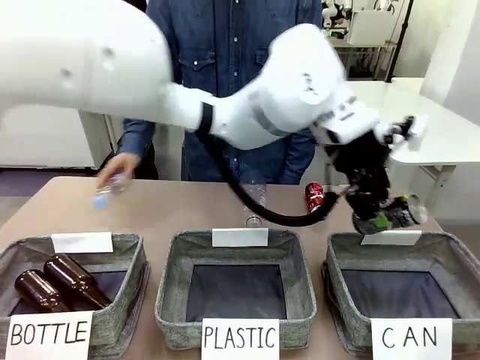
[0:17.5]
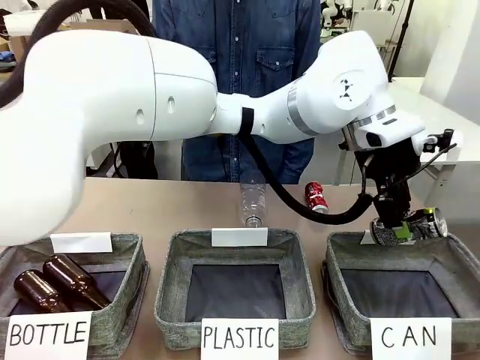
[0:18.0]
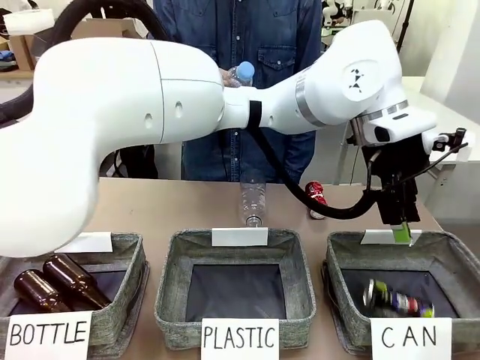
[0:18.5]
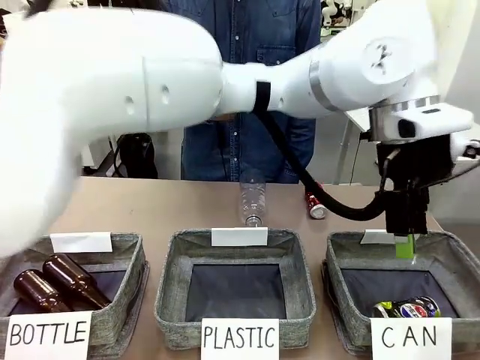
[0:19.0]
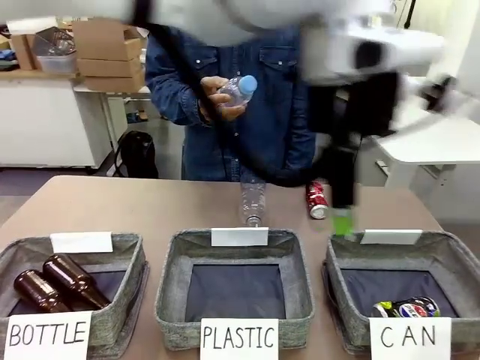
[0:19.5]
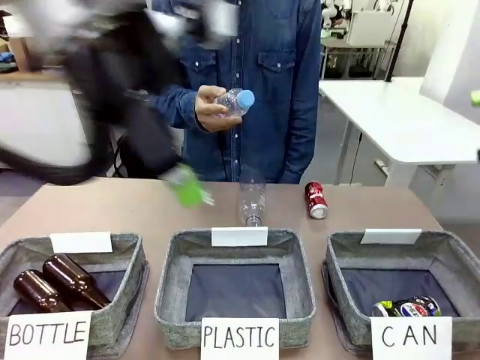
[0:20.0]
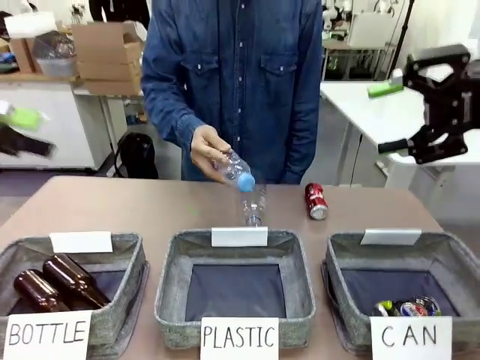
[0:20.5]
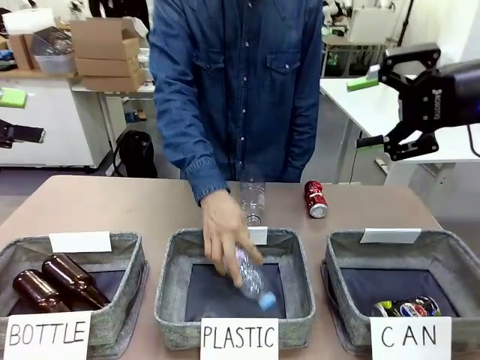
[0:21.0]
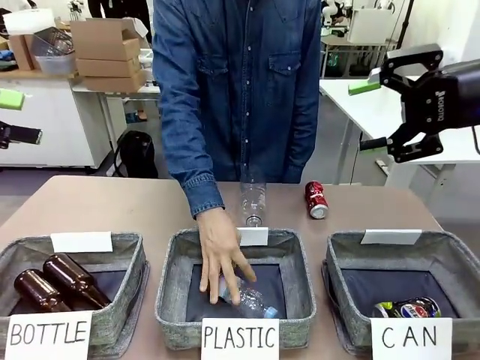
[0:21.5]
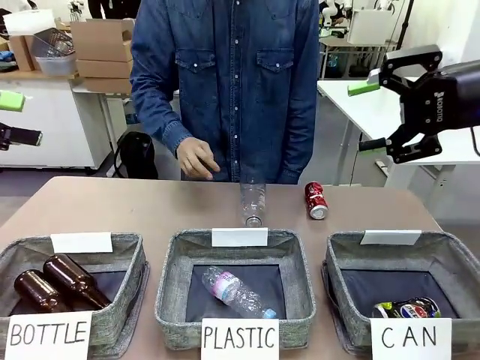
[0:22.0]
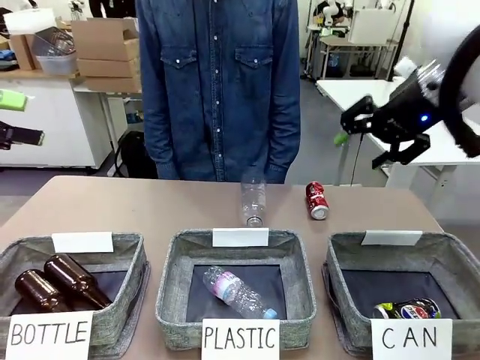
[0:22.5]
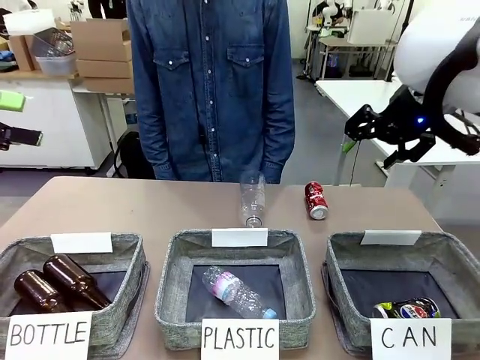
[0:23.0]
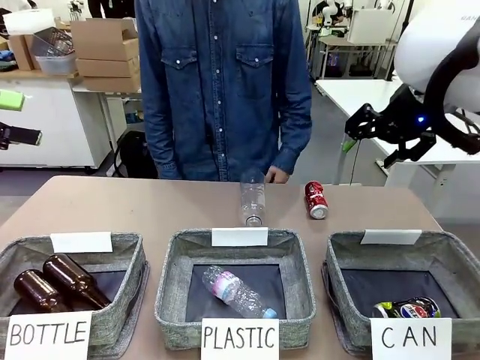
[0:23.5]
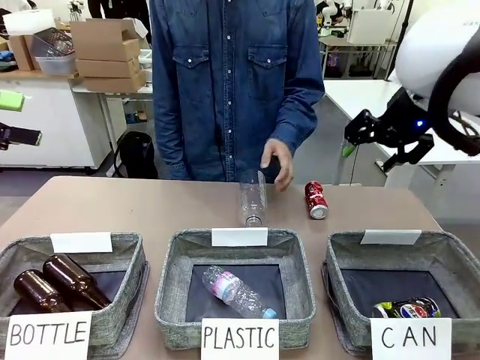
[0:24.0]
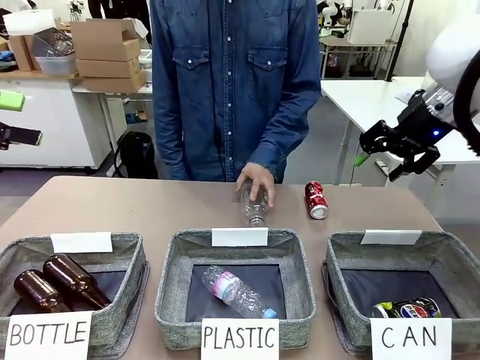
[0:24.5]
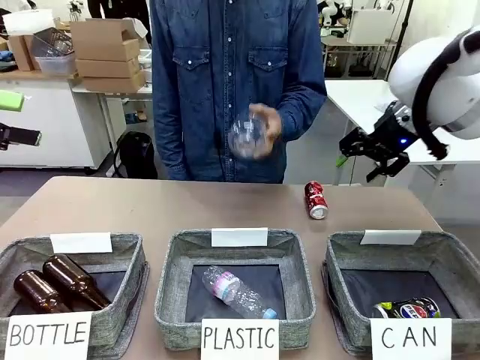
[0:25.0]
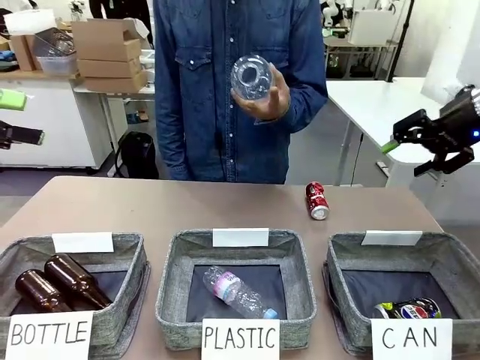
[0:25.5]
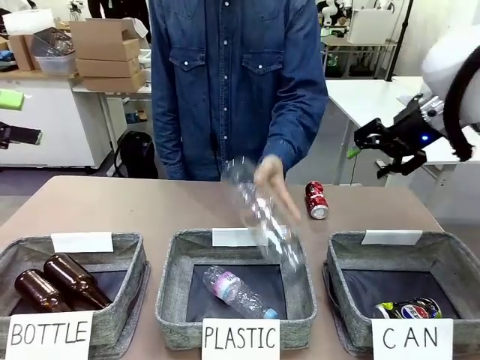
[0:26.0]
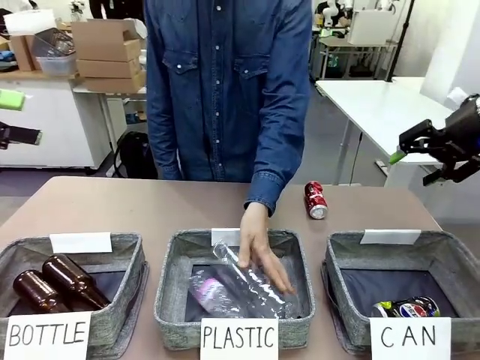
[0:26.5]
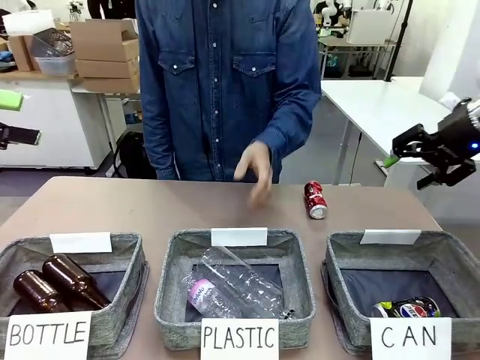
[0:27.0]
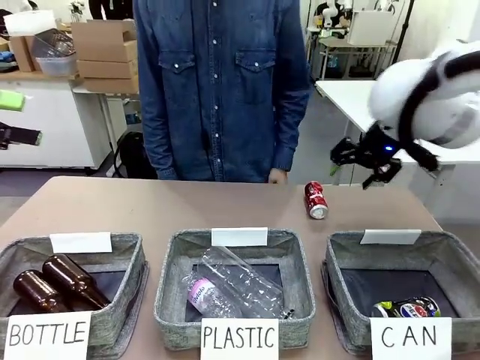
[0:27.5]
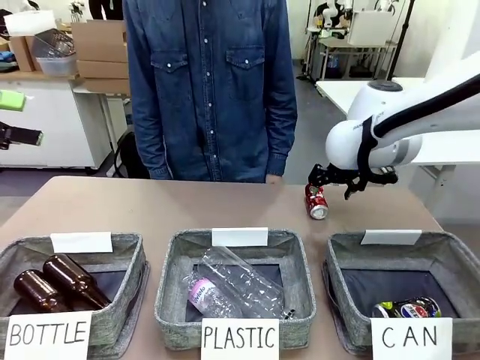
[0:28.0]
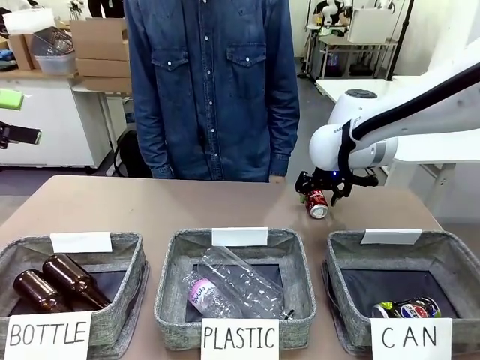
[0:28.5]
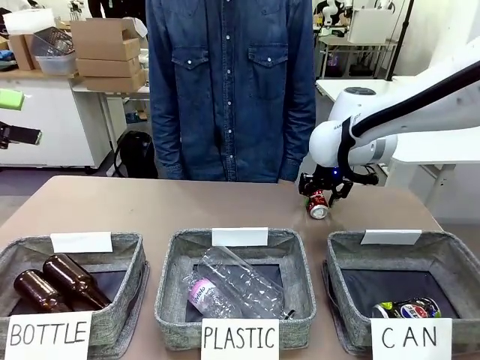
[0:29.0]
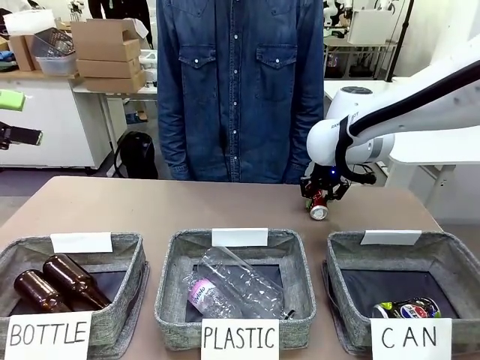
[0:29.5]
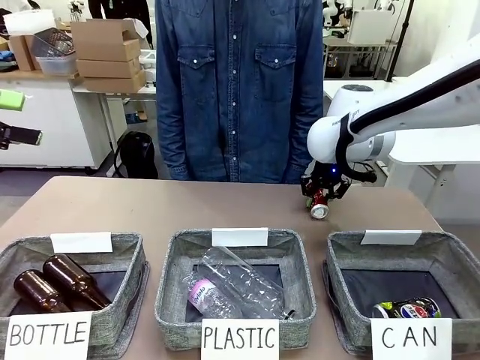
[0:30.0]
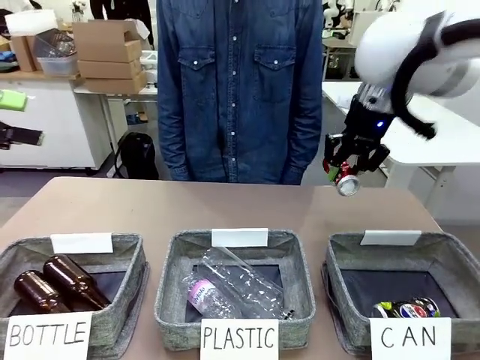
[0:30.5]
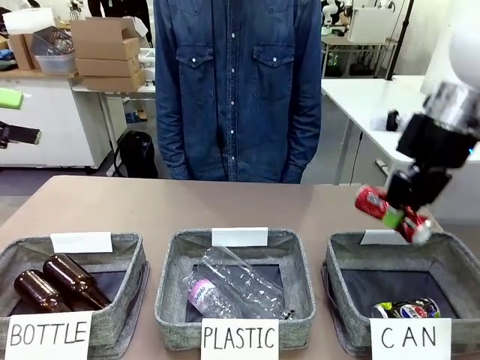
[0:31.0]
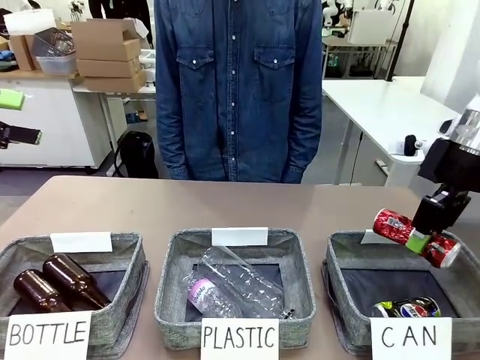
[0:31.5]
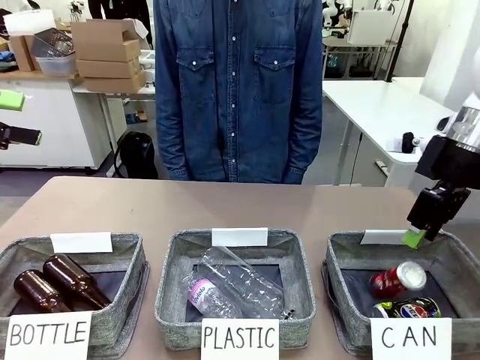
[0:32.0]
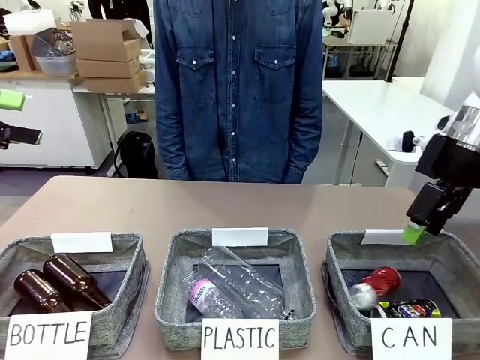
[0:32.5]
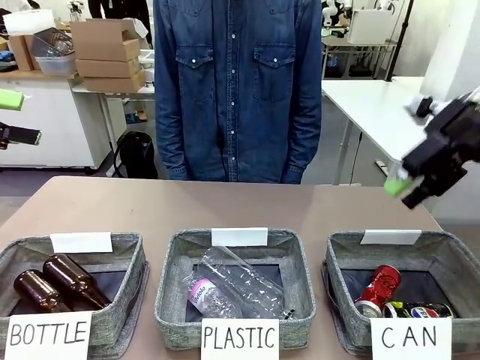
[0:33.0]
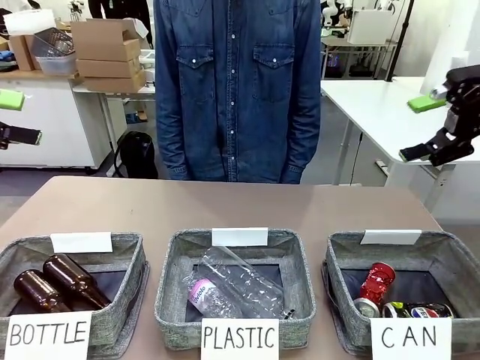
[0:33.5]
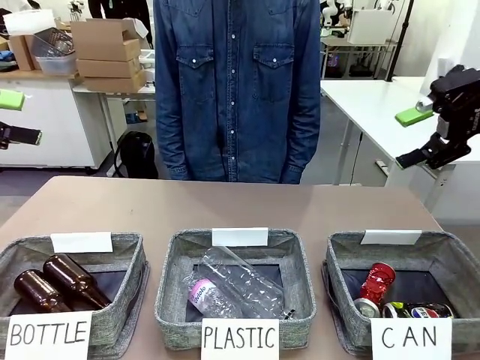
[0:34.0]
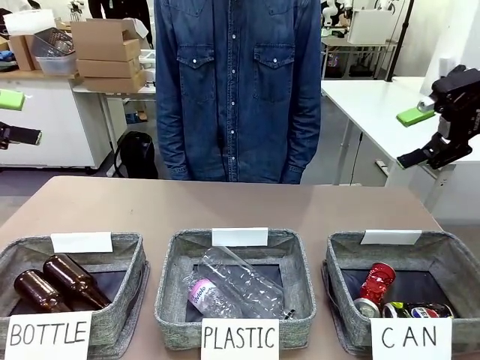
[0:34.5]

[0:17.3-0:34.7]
Task: Sort the can waste into the basket.
Robot: Pick up the can waste from the table and place it in the right Fabric basket.
Person: The human picks up one piece of trash that is not a can and places the trash into the appropriate organizing basket.

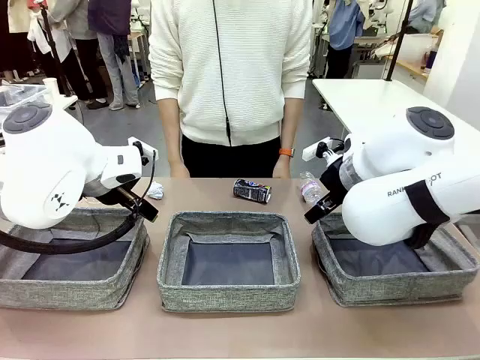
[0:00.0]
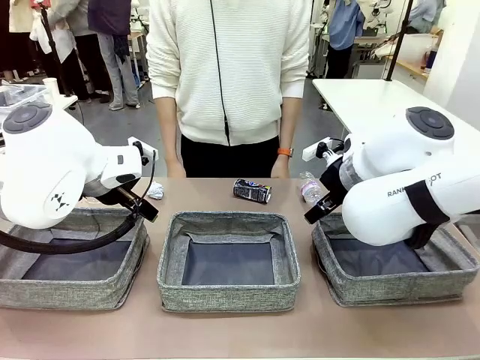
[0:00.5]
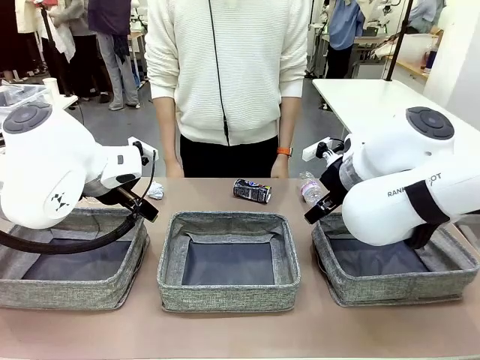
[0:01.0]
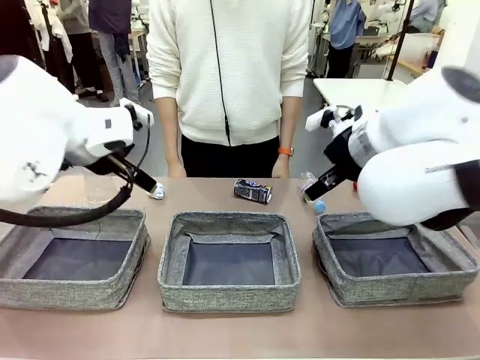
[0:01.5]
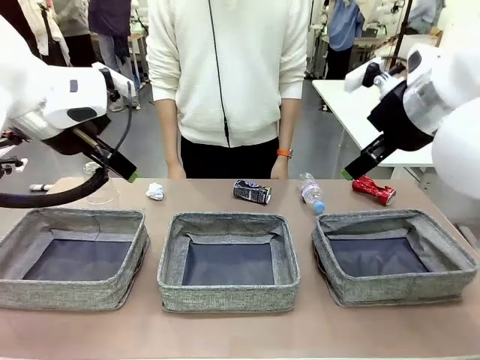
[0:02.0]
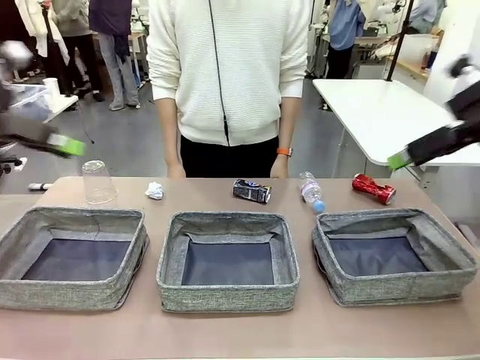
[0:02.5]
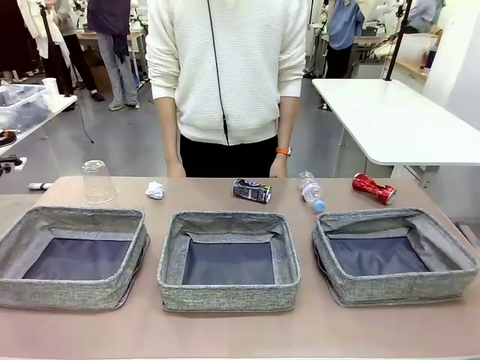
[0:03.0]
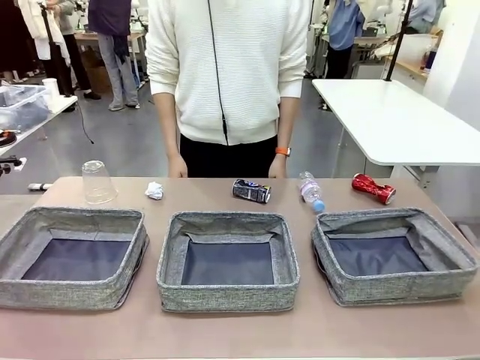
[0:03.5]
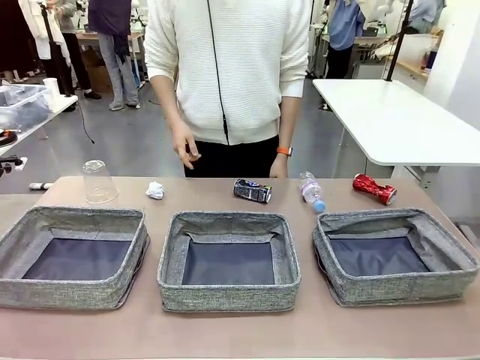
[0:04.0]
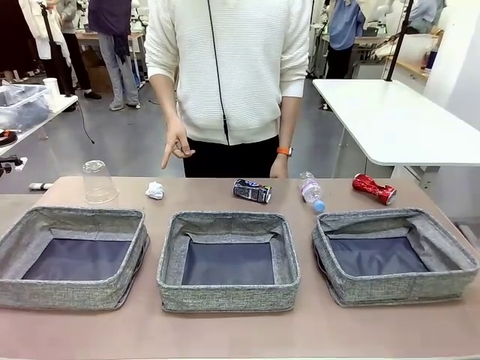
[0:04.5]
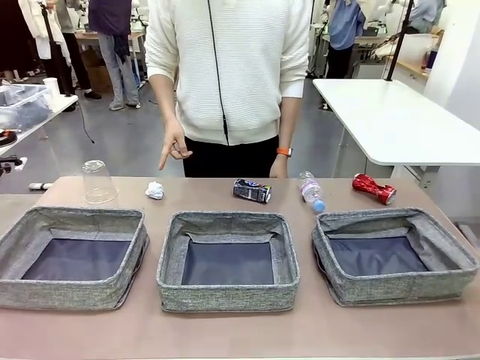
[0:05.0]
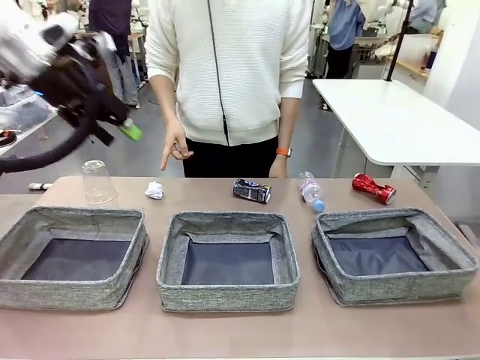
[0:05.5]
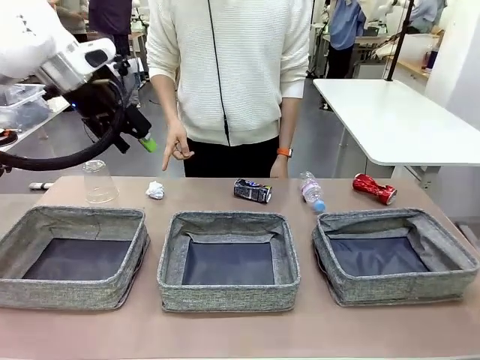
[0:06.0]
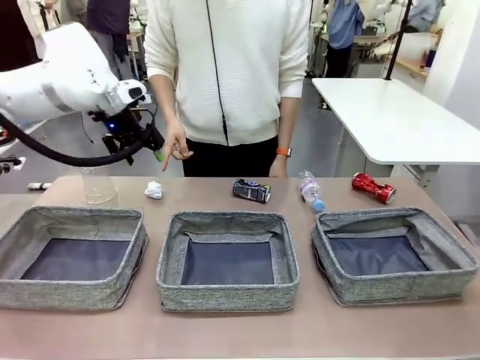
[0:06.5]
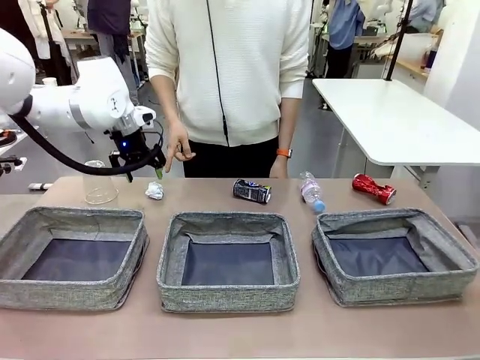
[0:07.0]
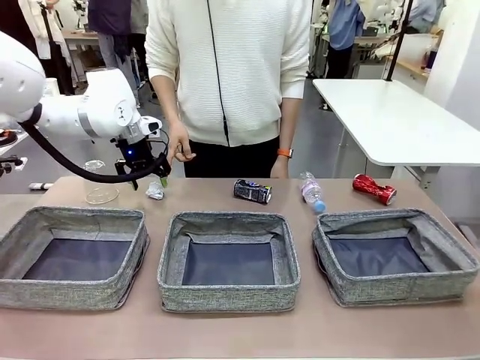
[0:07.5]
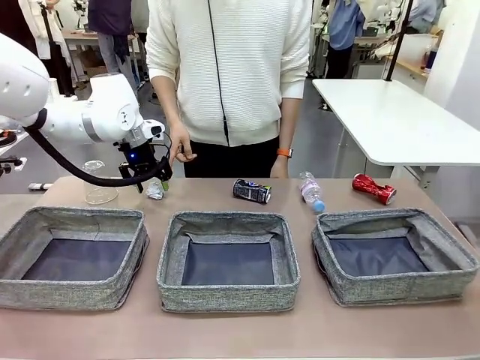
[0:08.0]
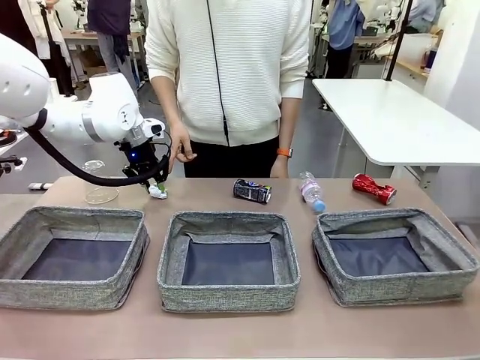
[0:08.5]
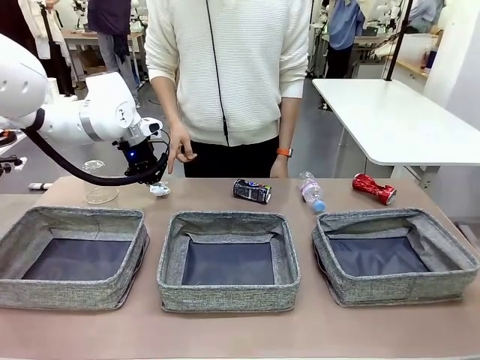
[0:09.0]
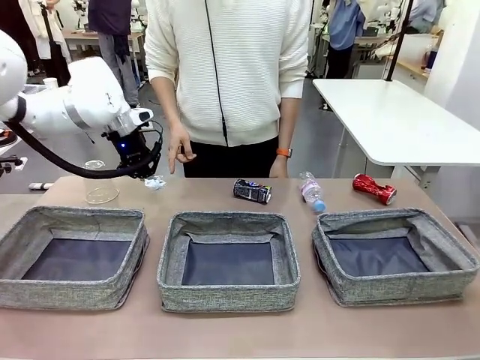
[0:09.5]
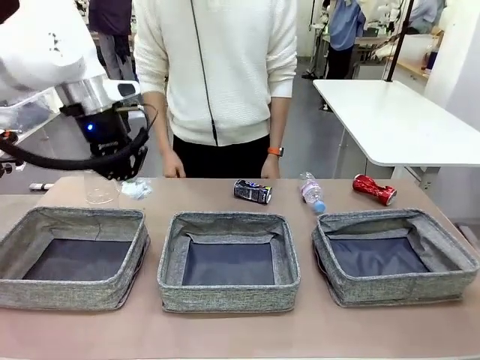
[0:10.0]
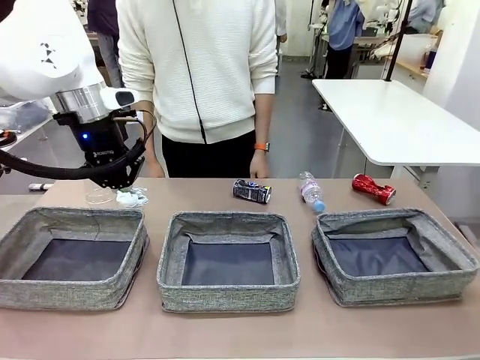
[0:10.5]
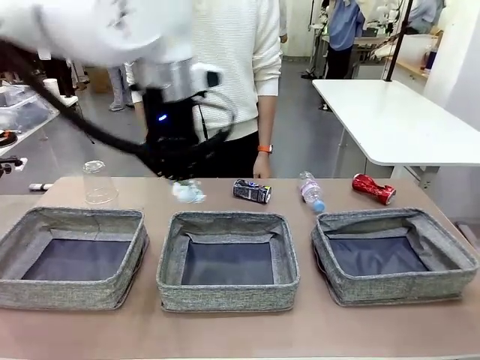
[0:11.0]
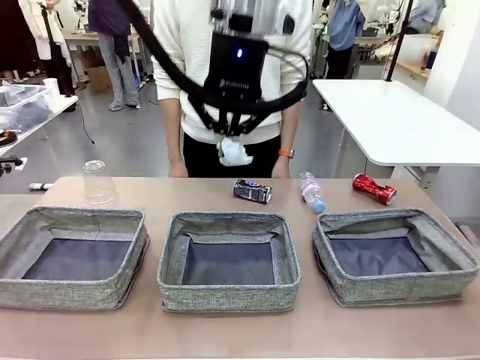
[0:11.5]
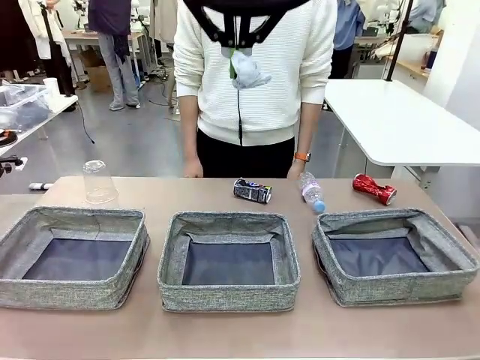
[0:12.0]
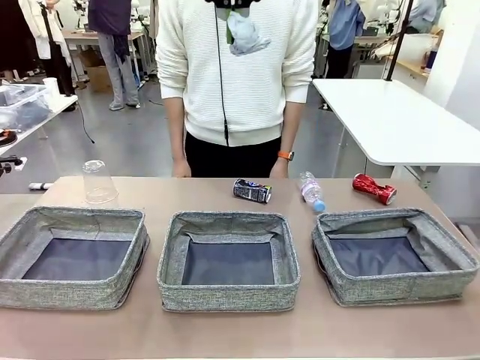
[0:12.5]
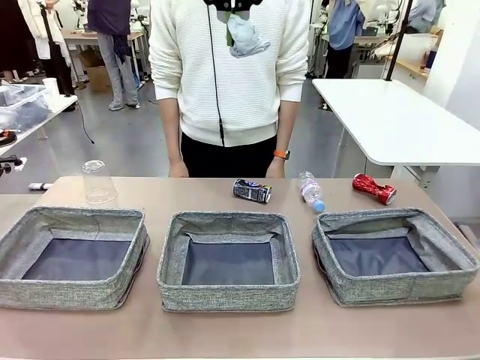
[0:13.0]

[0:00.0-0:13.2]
Task: Sort the waste into the appropriate baskets.
Robot: Pick up the waste item pointed out by the person.
Person: Points to one piece of trash on the table.
